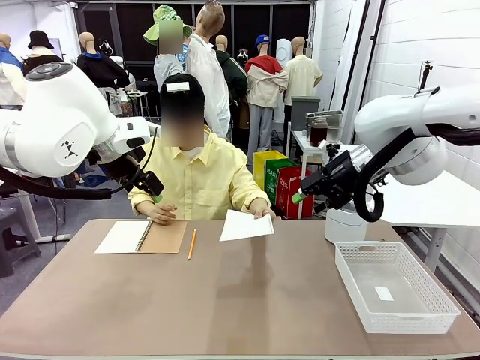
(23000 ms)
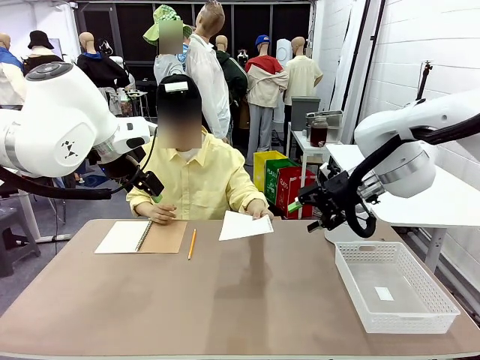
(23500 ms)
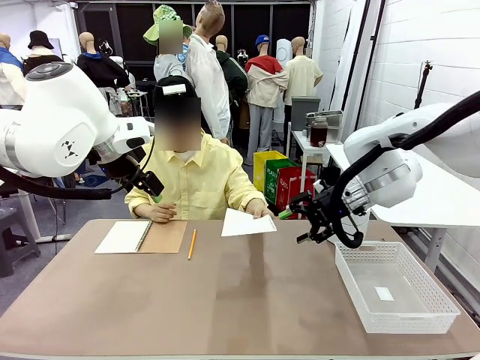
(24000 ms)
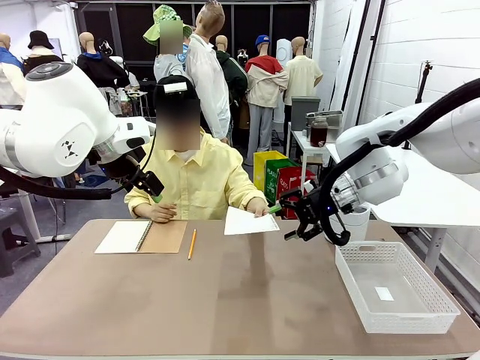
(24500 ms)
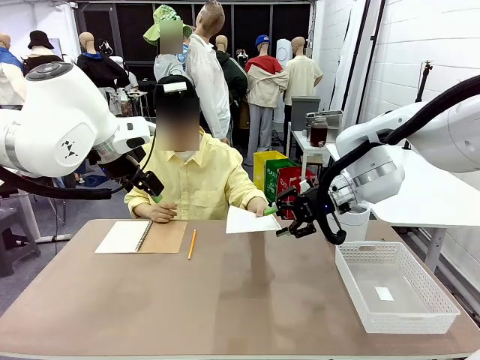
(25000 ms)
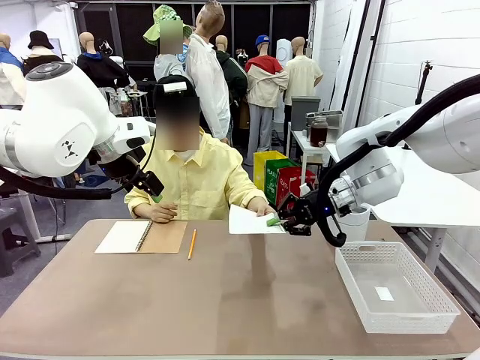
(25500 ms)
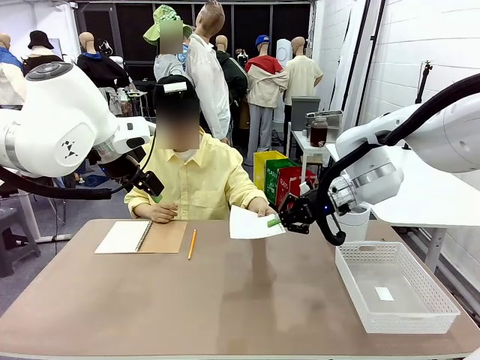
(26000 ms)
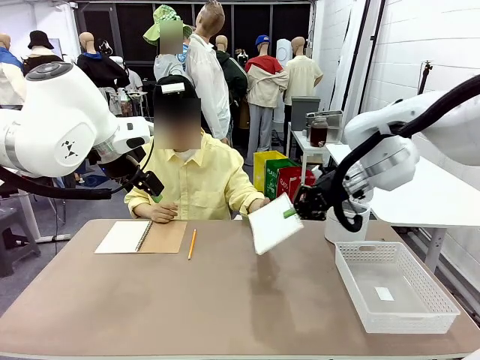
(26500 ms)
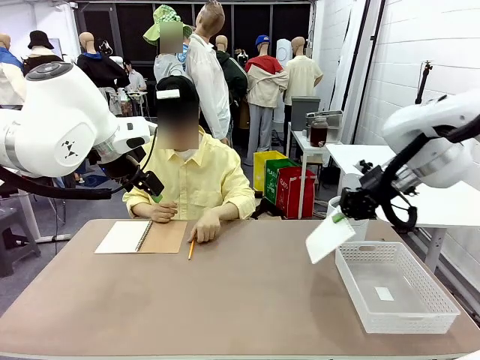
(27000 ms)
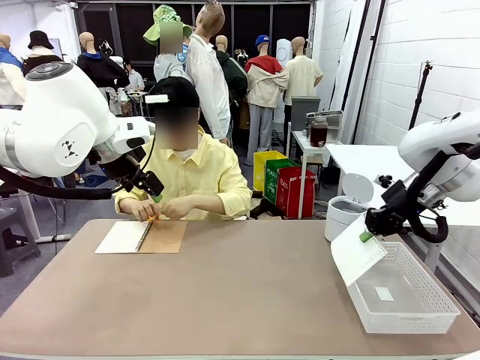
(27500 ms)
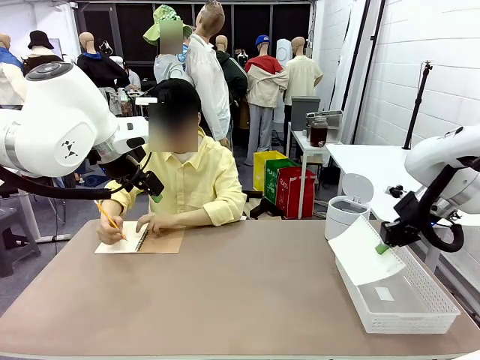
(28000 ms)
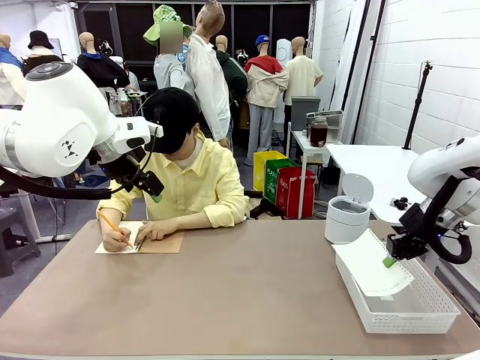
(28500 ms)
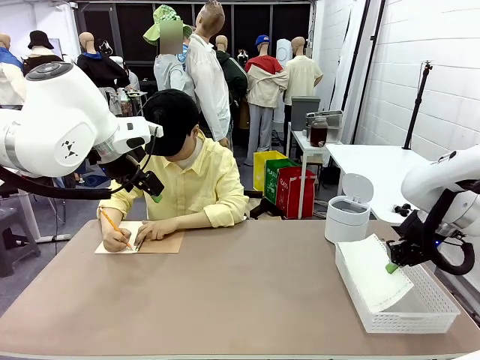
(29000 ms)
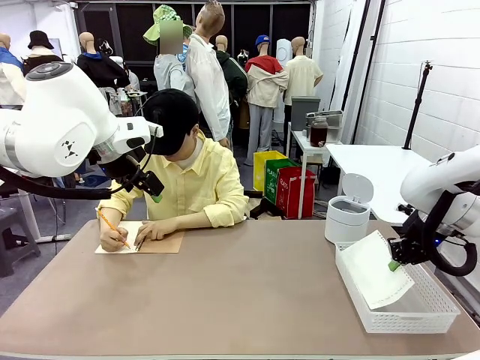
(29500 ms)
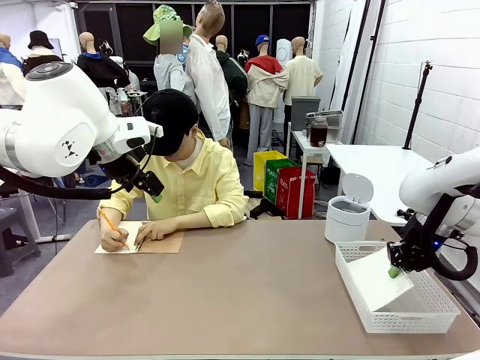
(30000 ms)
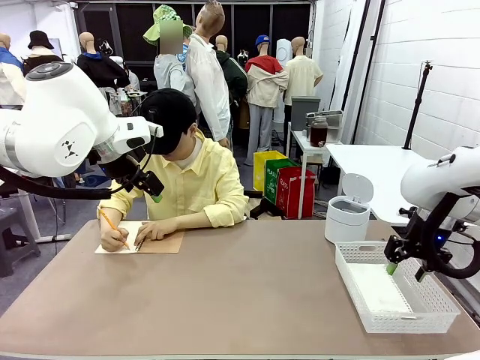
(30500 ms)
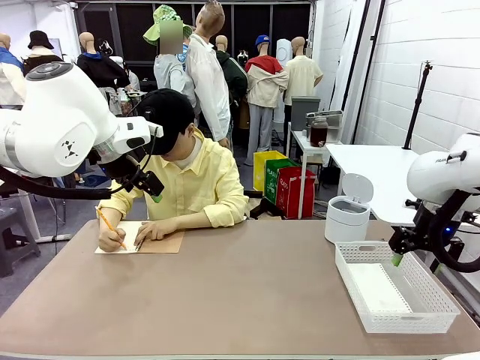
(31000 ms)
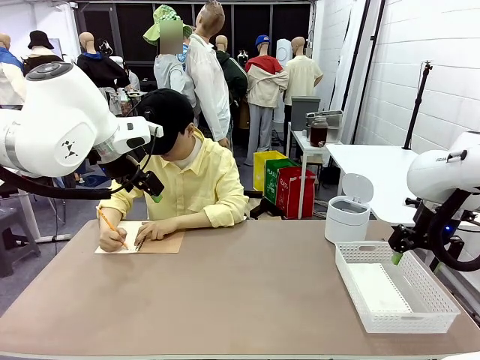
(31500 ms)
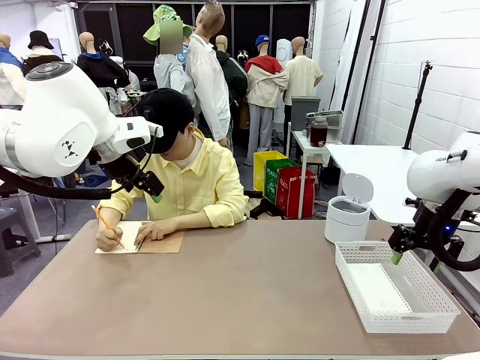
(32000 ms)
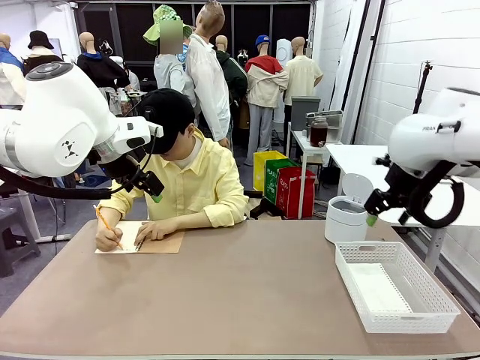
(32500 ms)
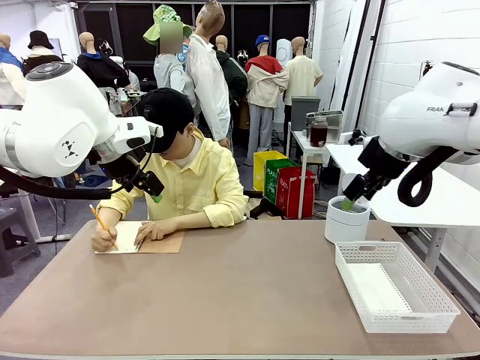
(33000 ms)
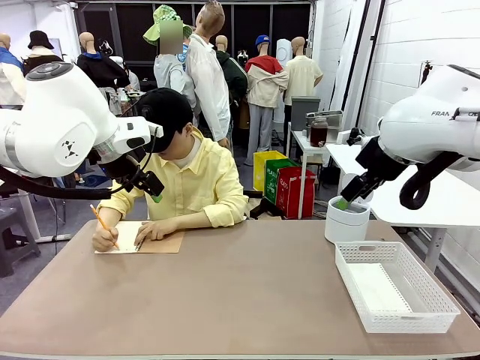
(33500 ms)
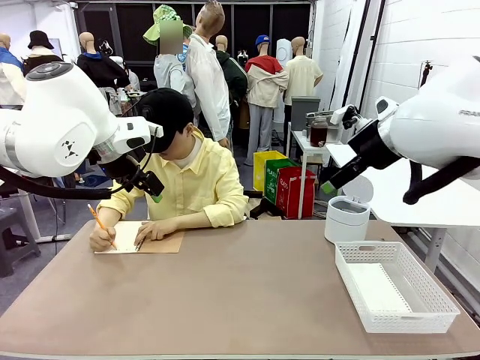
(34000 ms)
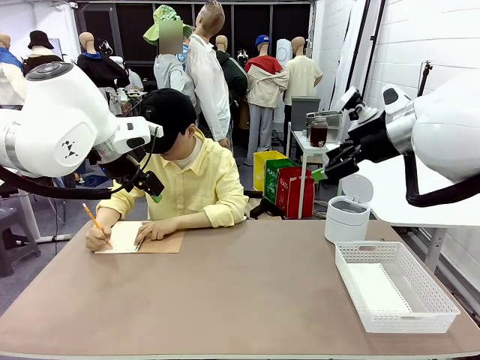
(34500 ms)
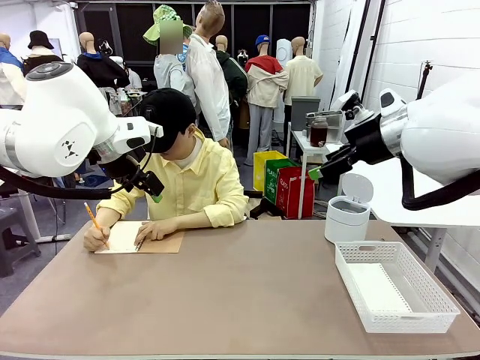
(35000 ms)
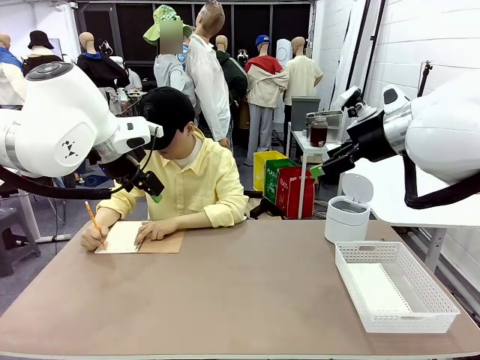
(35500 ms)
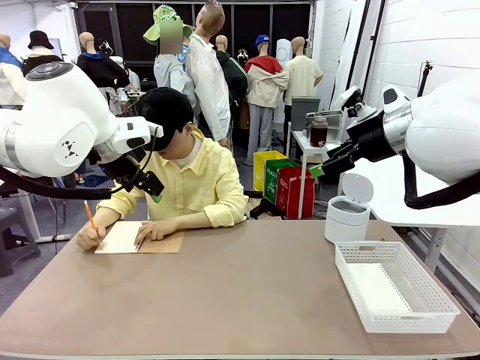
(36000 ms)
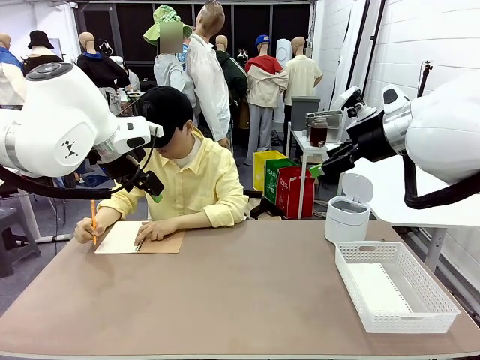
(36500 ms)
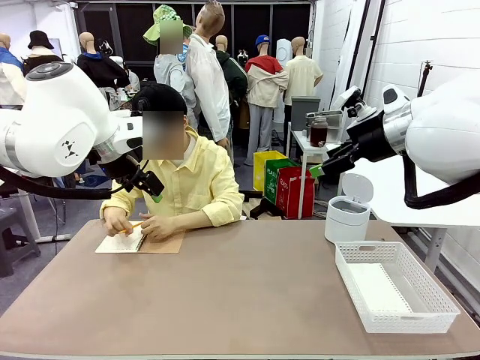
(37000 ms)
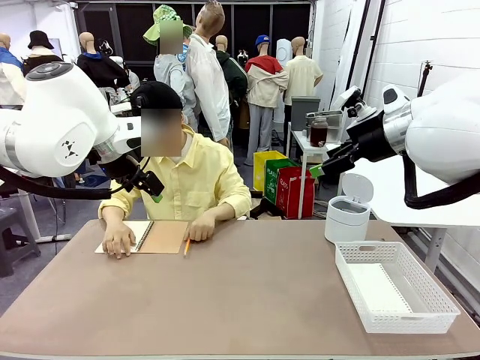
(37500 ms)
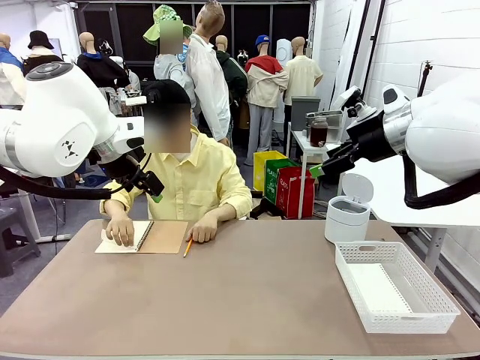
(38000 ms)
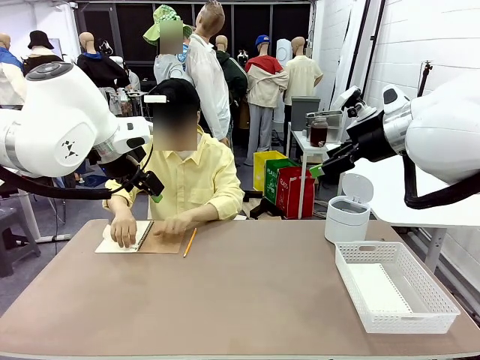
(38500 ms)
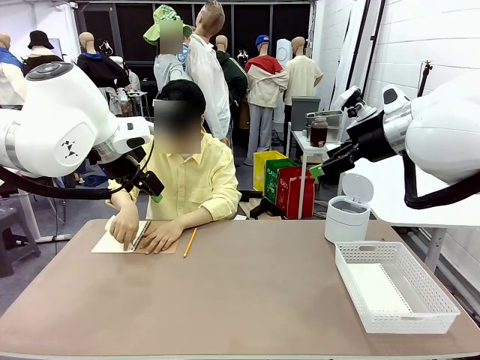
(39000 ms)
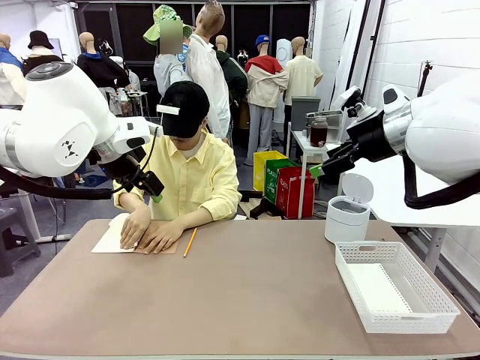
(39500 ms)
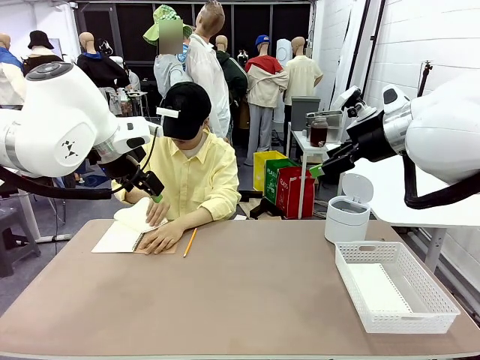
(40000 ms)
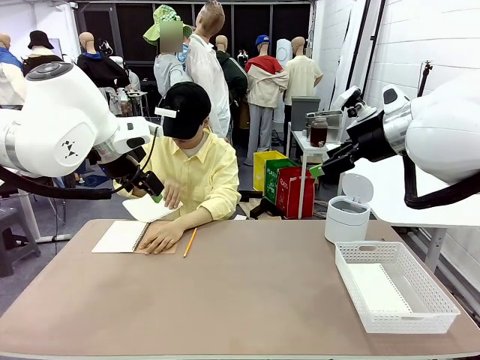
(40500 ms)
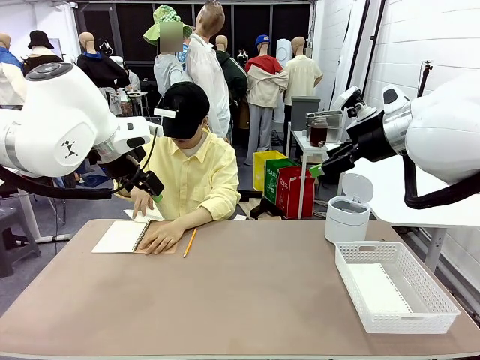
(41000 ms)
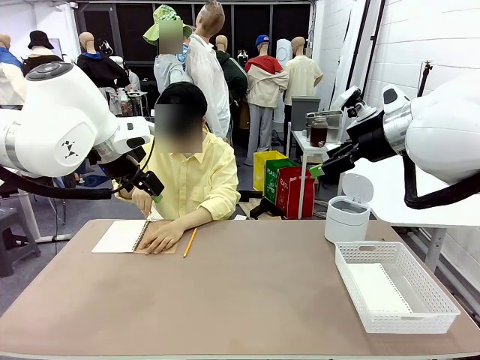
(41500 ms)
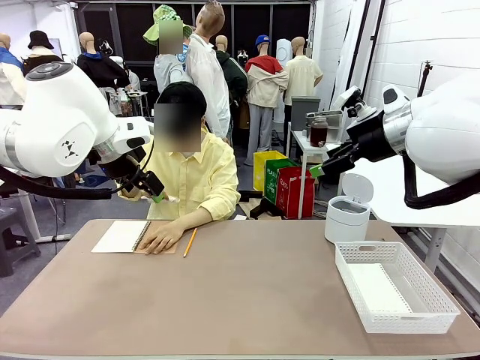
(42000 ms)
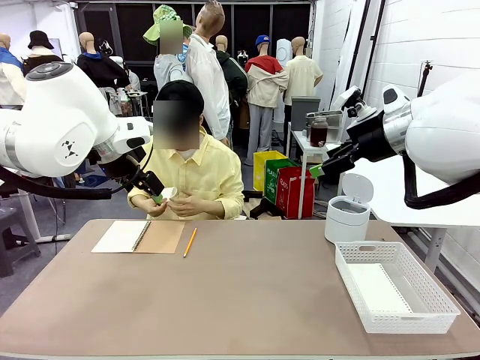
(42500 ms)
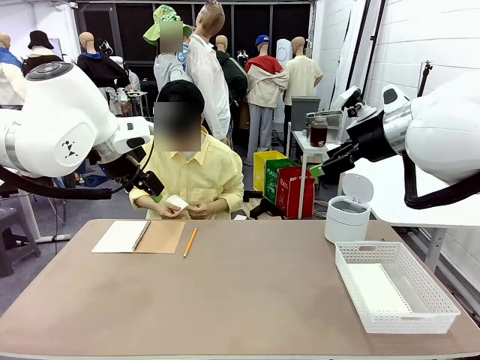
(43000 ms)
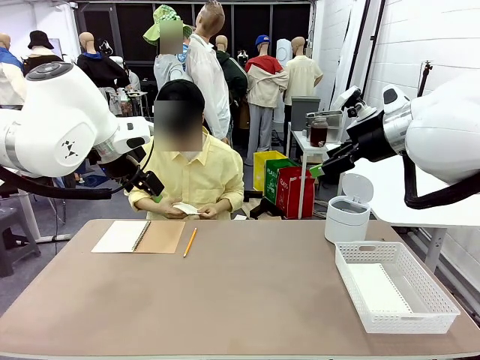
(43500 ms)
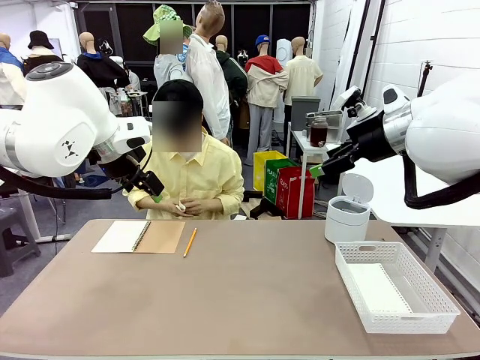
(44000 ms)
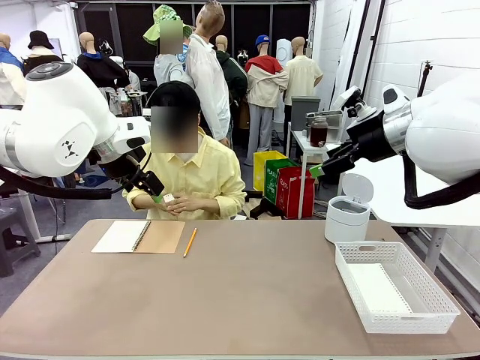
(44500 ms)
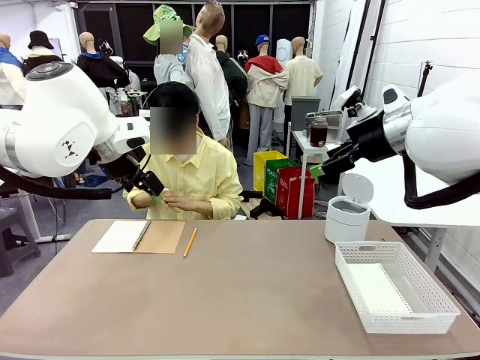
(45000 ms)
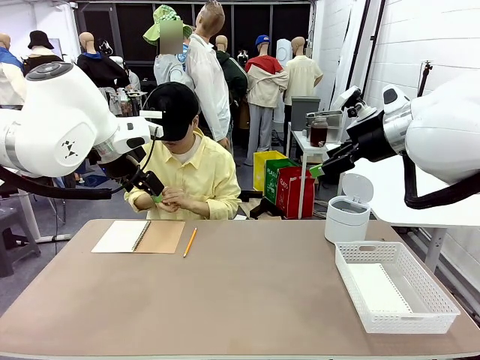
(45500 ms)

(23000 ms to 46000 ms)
Task: Sort the paper based on its condition.
Robot: If a person hands you a paper, place it in the Organizing basket , and if it's crumpled, put it in the Trash can.
Person: Tear out a page from the spiral notebook.

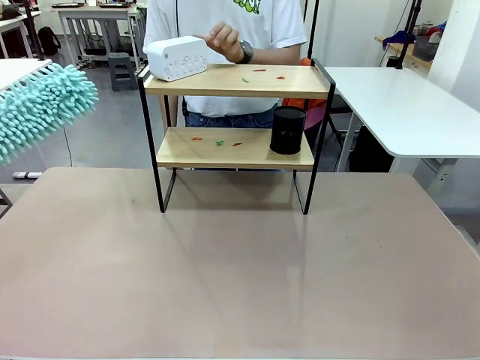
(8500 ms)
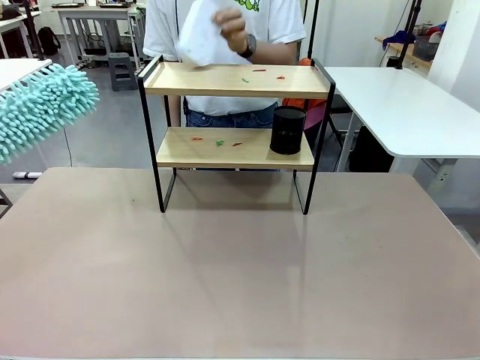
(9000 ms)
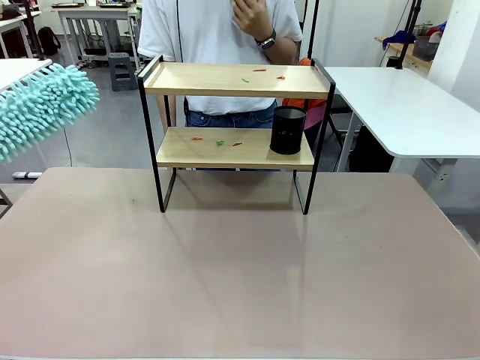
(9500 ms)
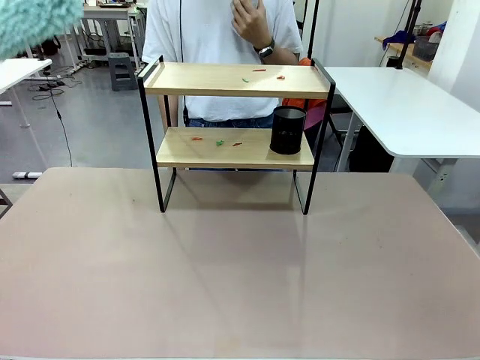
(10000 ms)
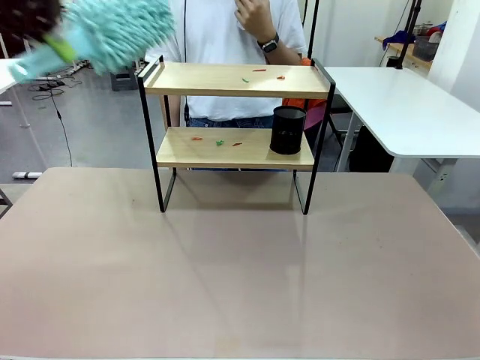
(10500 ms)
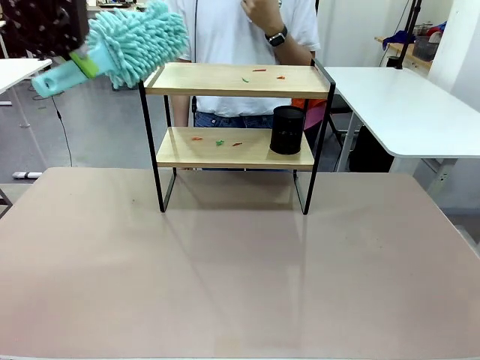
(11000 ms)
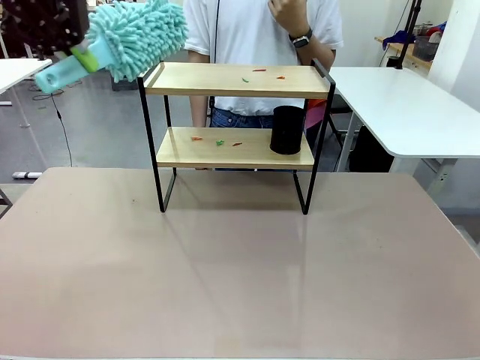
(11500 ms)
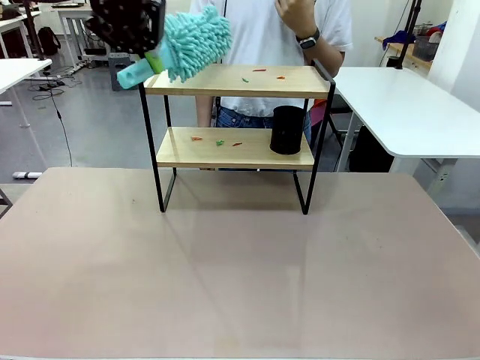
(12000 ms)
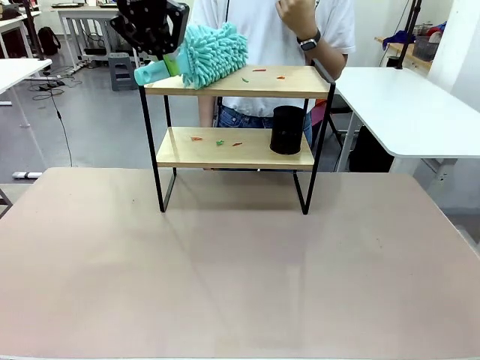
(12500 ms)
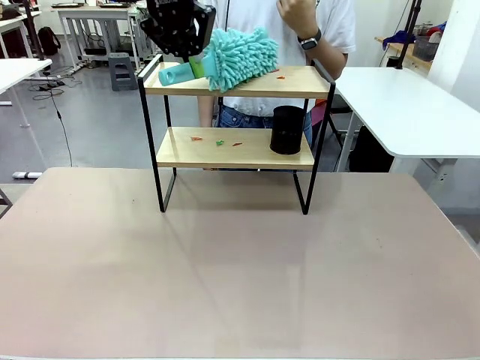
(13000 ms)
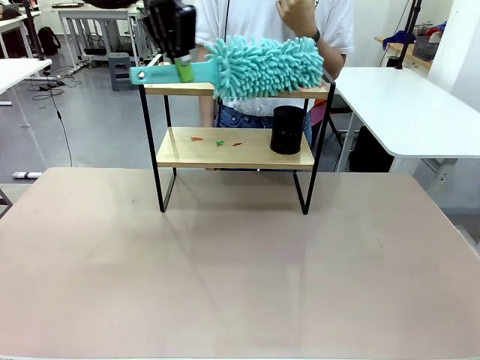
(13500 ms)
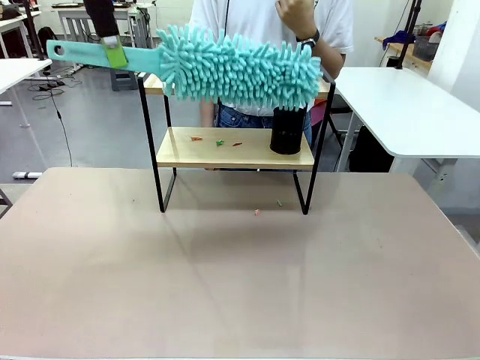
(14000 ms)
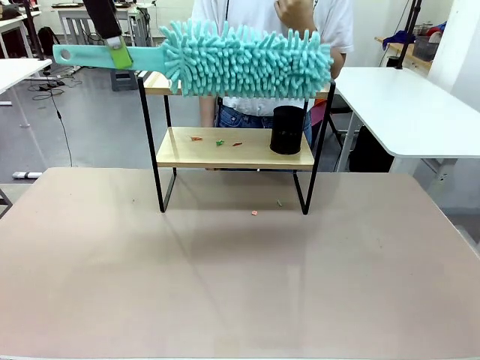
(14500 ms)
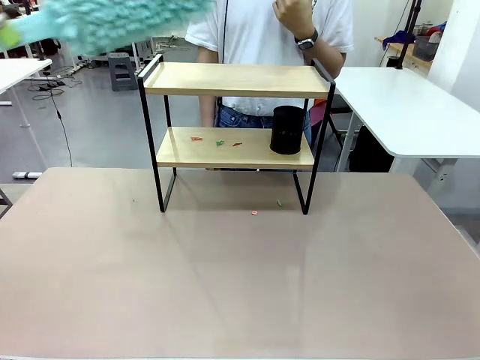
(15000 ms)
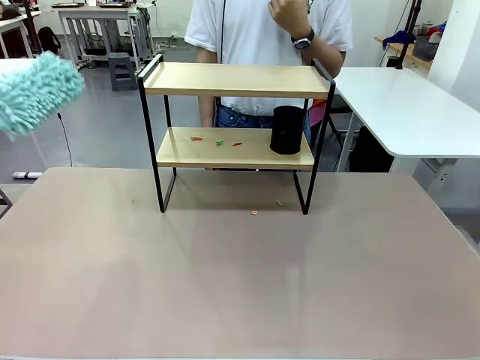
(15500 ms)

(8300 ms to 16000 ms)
Task: Clean the shelf.
Robot: Clean the specific tier of the Shelf with the Duster once objects are removed.
Person: Lift the objects on a randomly selected tier of the Shelf. Once the robot finishes cleaning, lift the objects on the remaining tiers of the Shelf.
